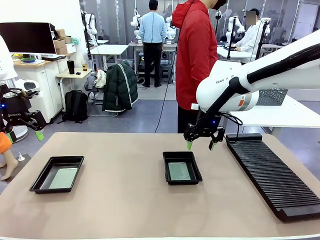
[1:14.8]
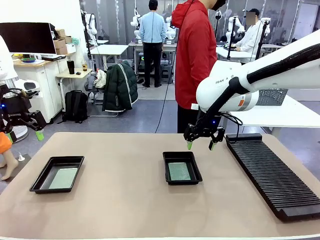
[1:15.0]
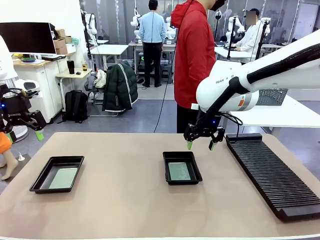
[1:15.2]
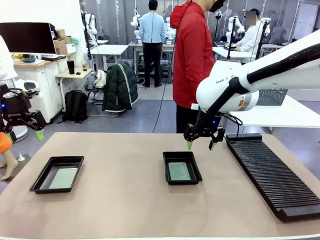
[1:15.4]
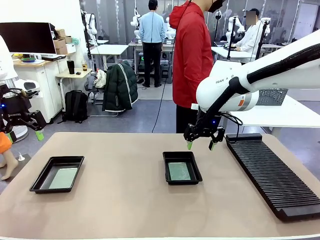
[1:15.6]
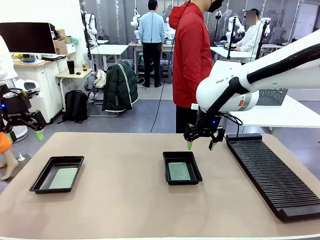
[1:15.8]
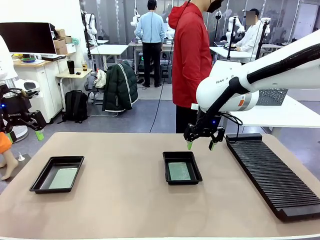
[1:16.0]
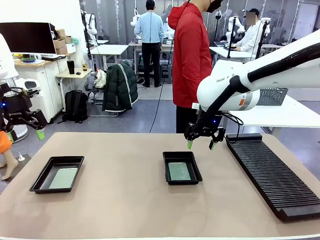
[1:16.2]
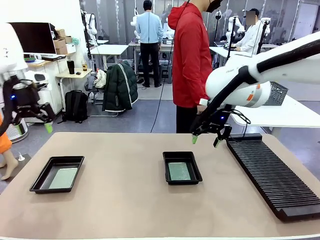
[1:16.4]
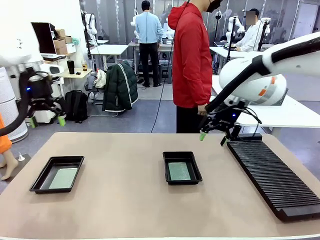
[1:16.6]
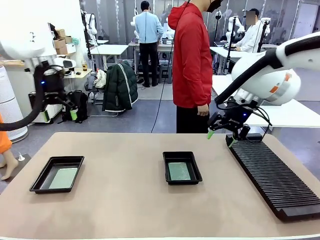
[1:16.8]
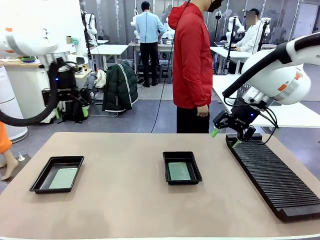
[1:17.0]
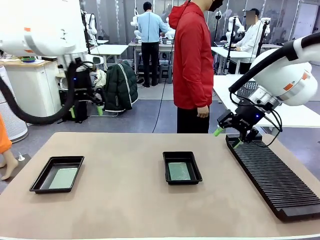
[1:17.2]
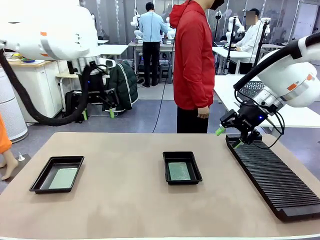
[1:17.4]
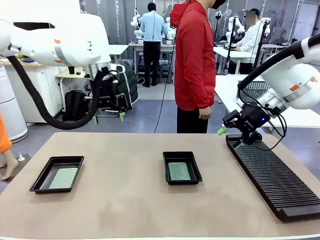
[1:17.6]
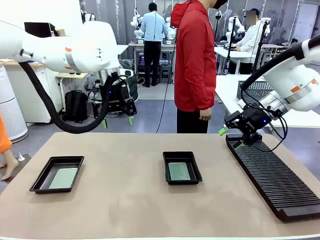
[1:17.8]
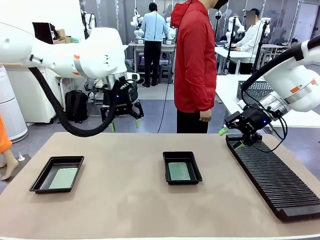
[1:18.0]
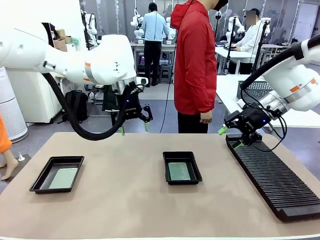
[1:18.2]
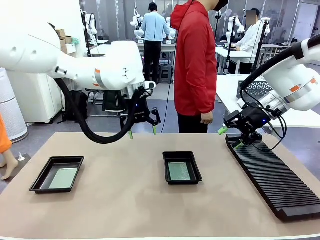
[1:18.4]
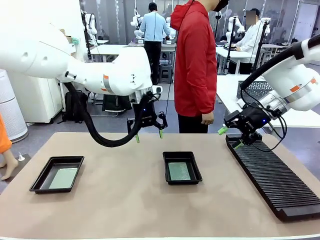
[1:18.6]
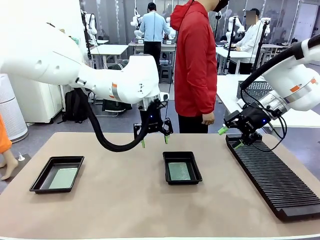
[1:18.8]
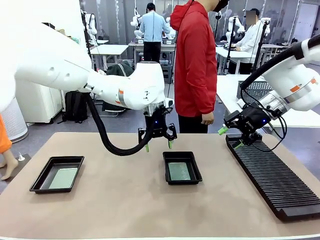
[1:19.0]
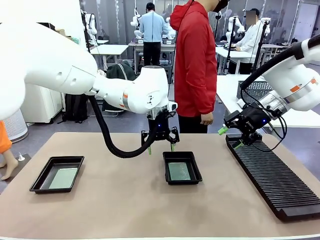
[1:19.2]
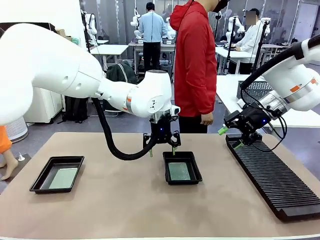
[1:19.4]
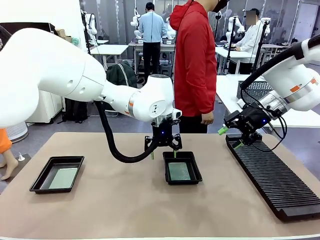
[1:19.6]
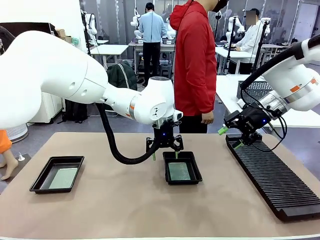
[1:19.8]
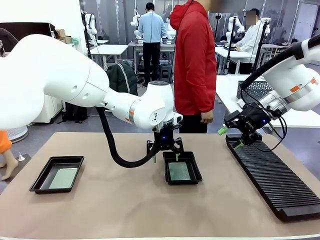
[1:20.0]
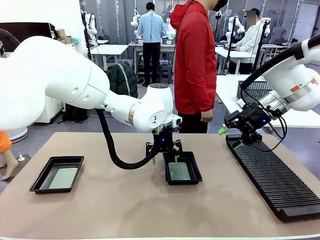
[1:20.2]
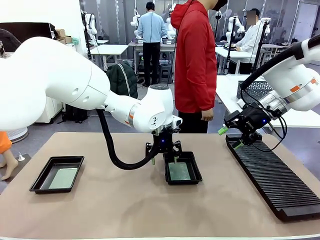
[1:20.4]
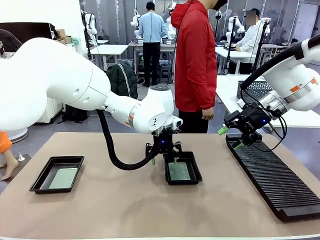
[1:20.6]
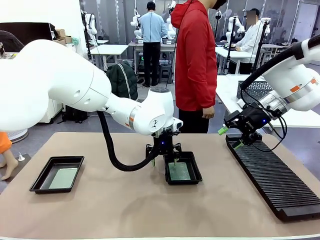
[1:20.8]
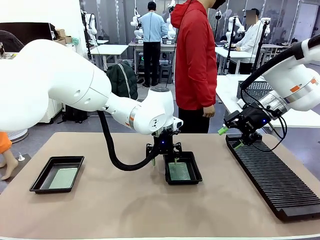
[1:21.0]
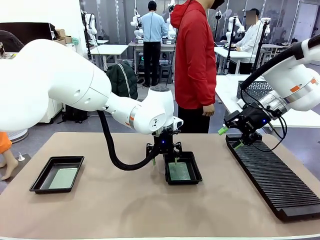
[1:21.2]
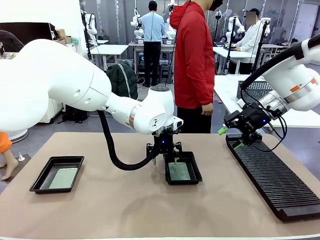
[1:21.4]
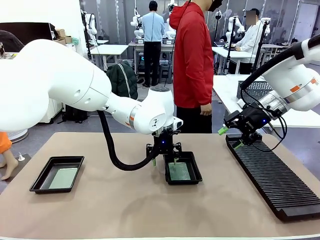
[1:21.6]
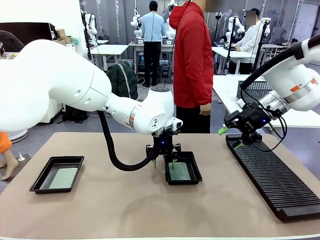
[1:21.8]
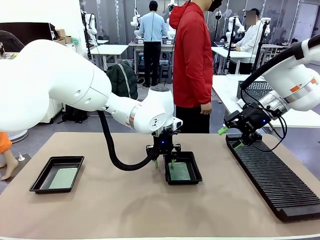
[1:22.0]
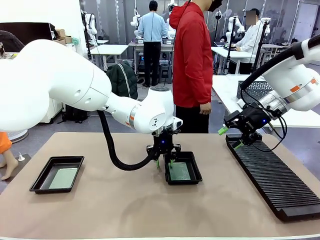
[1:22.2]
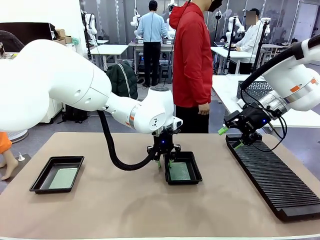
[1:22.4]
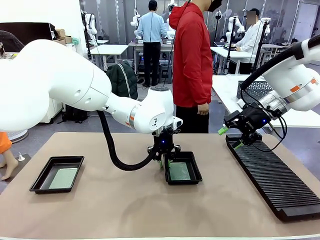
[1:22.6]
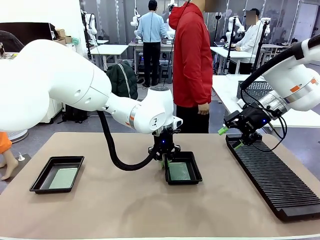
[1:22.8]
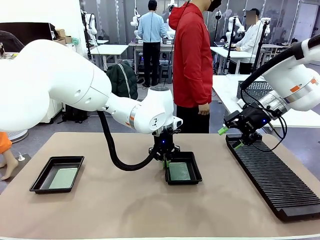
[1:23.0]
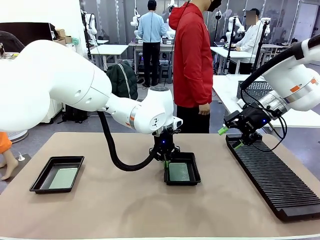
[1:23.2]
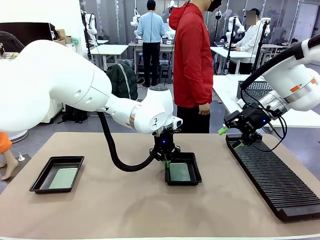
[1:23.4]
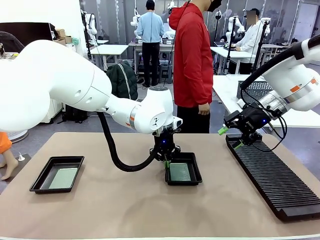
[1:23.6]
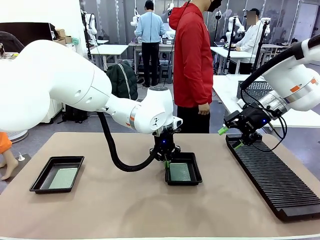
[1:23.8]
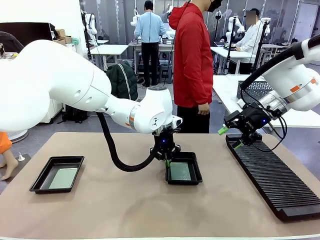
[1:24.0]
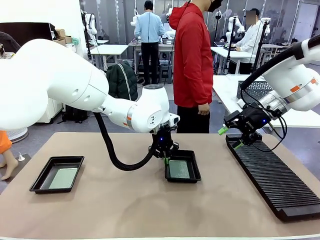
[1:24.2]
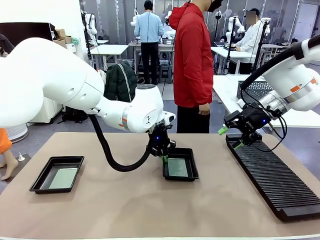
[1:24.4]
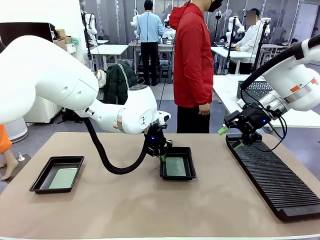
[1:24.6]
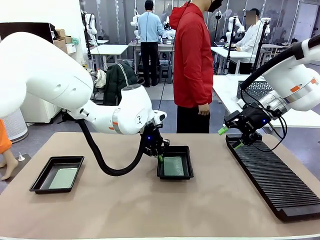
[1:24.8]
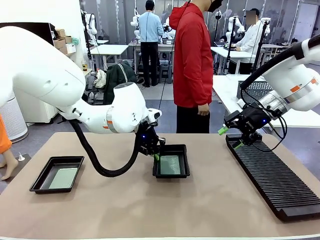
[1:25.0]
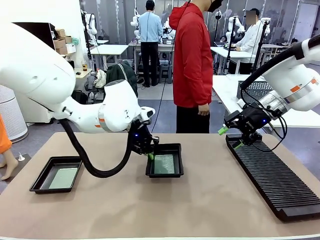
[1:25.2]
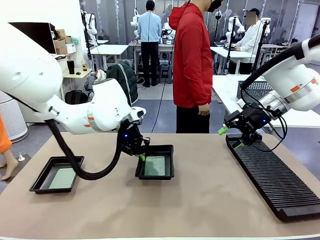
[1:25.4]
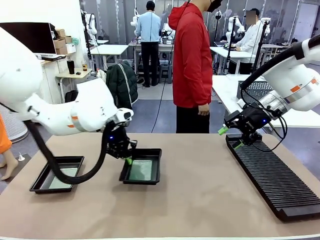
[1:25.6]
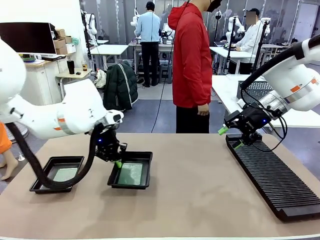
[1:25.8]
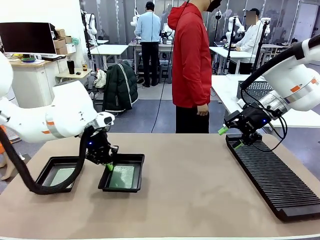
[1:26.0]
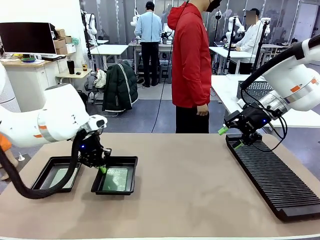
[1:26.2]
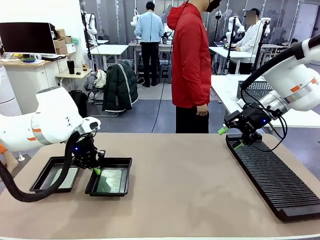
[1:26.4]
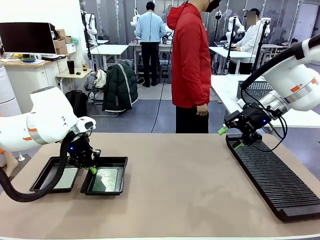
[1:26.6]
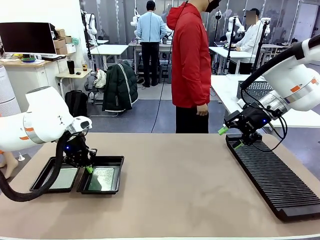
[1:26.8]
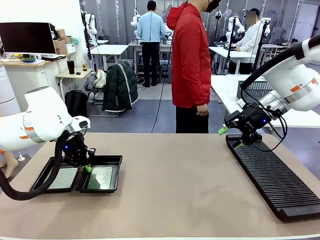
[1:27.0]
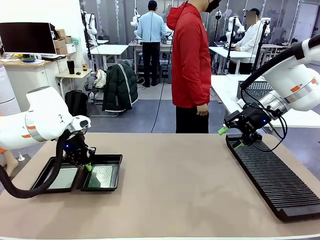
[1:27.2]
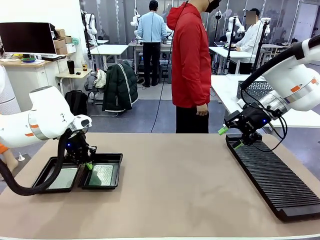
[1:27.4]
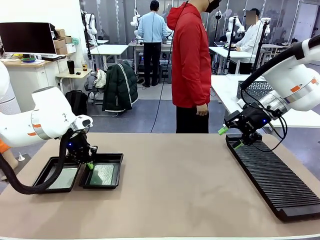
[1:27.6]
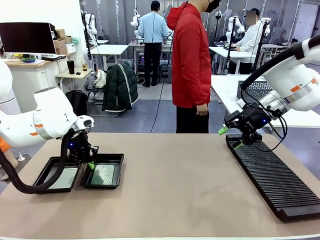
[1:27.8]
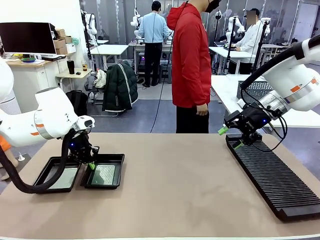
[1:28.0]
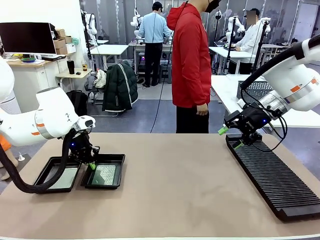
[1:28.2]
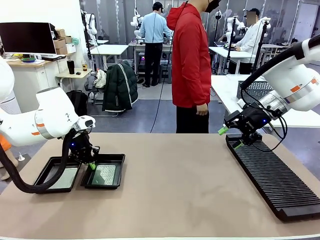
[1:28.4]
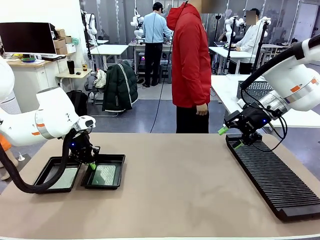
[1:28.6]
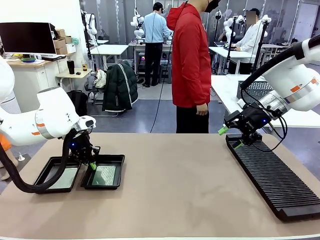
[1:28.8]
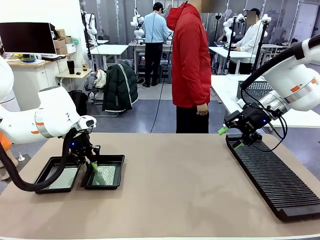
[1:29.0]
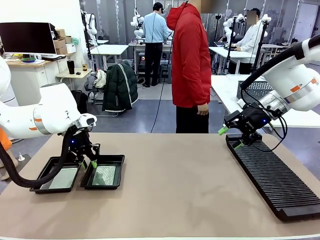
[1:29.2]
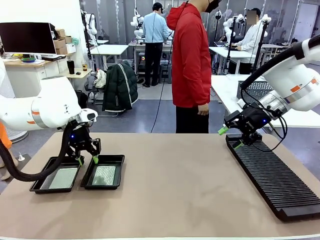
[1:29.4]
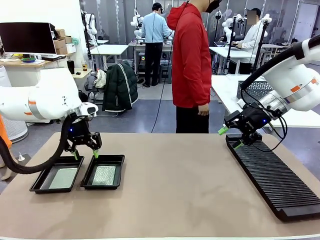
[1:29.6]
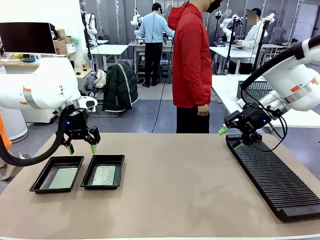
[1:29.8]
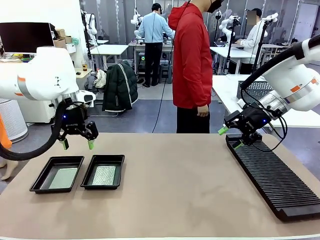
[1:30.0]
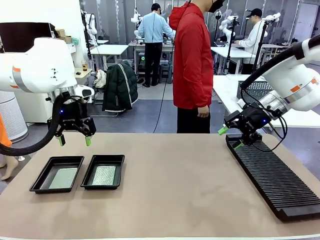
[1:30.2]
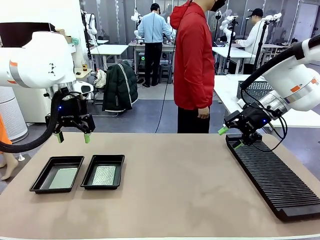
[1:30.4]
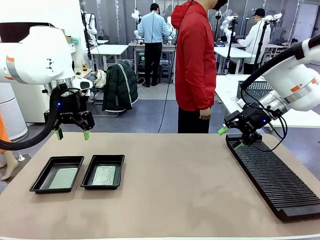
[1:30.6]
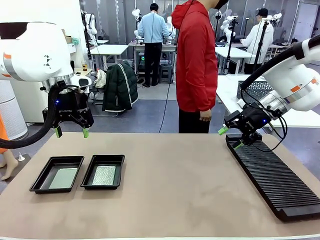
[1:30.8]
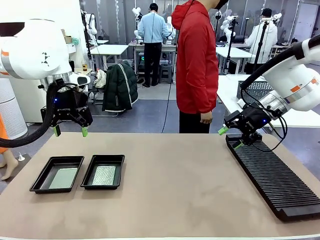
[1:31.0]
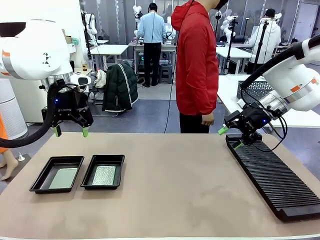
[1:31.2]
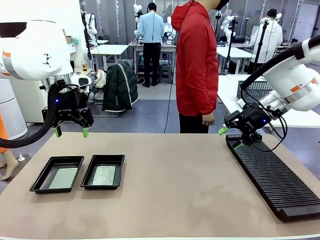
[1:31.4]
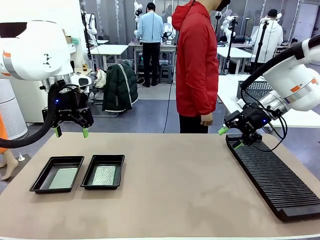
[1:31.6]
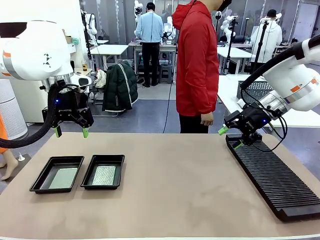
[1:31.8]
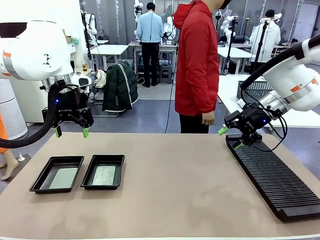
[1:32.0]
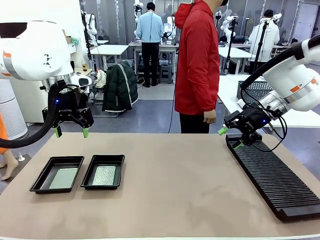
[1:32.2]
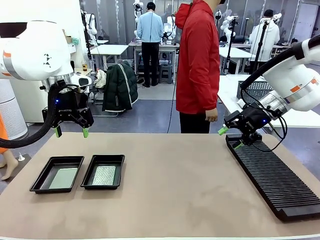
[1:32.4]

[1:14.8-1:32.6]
Task: Inspect and transfer BCBs to ESD trays.
Robot: Pick up the ESD tray and place it on the left side of the table.
